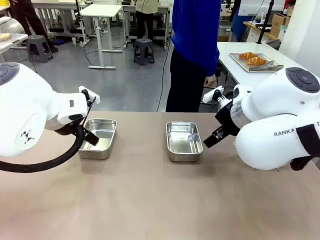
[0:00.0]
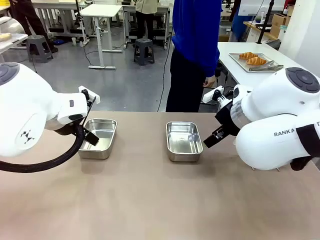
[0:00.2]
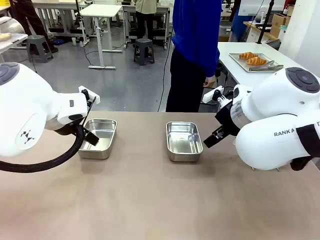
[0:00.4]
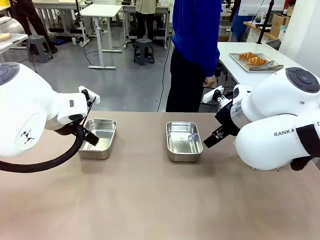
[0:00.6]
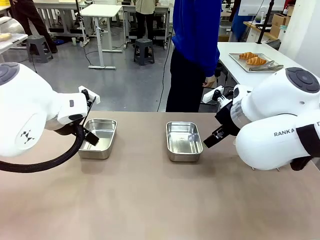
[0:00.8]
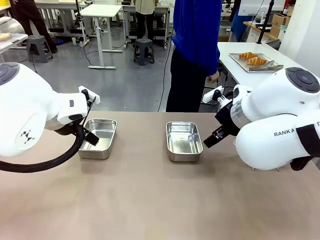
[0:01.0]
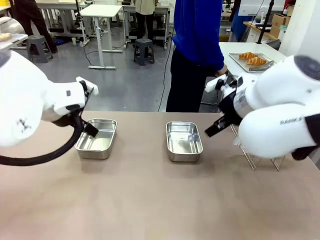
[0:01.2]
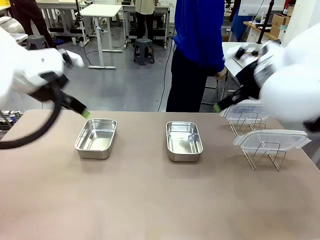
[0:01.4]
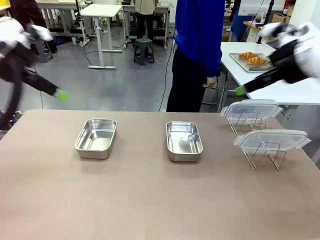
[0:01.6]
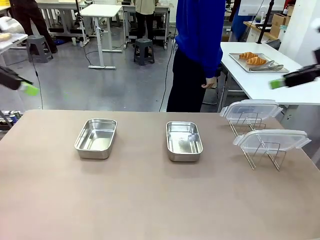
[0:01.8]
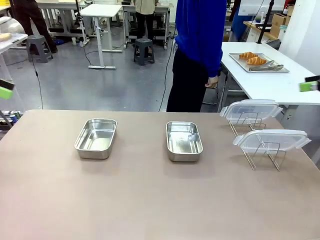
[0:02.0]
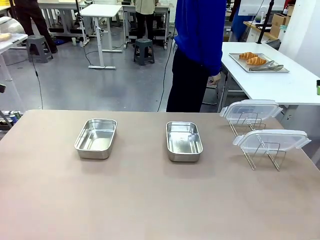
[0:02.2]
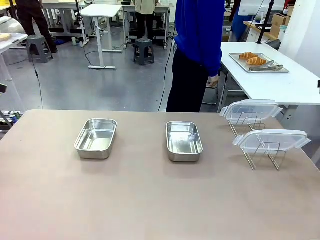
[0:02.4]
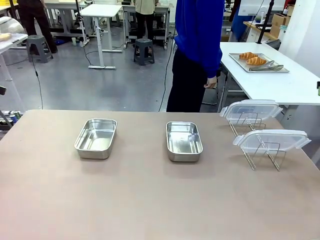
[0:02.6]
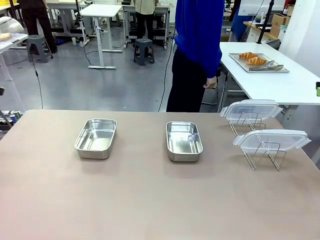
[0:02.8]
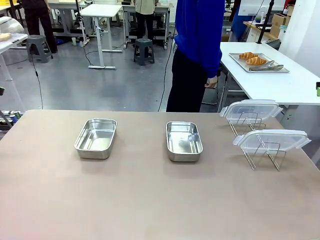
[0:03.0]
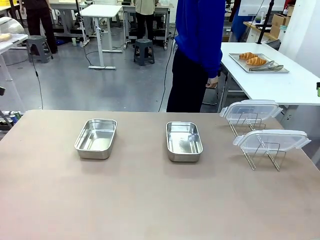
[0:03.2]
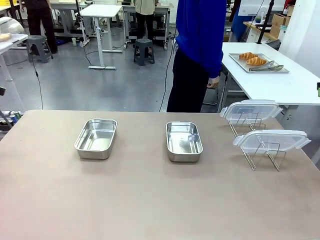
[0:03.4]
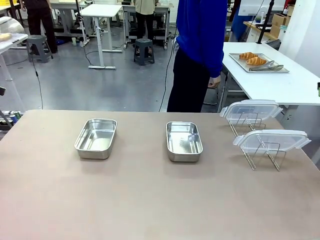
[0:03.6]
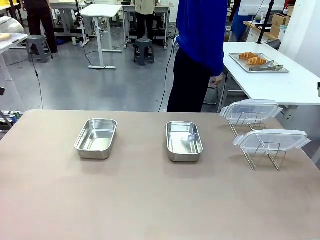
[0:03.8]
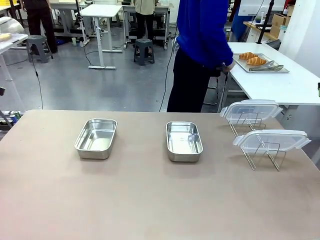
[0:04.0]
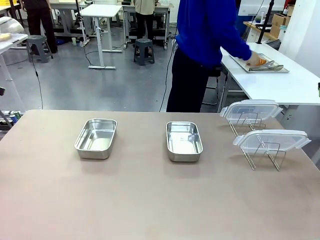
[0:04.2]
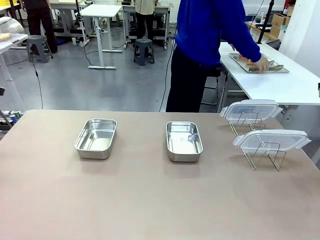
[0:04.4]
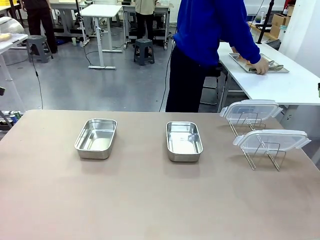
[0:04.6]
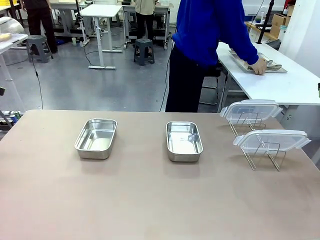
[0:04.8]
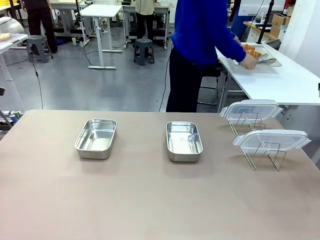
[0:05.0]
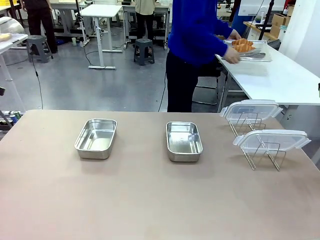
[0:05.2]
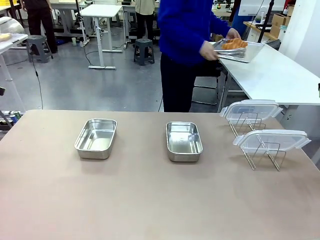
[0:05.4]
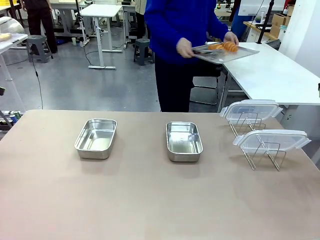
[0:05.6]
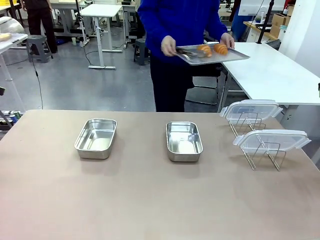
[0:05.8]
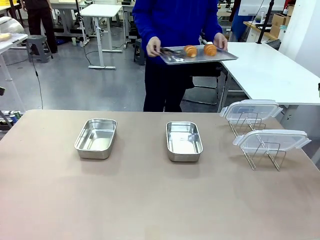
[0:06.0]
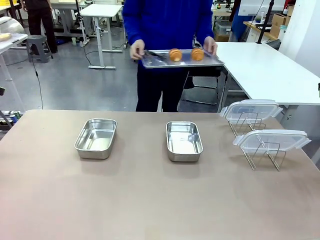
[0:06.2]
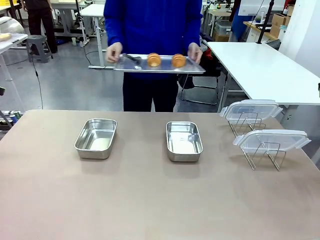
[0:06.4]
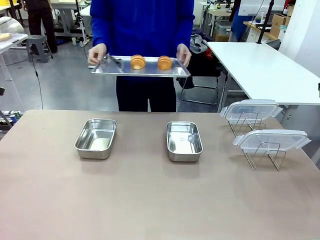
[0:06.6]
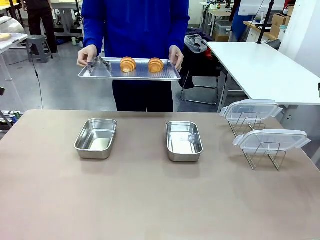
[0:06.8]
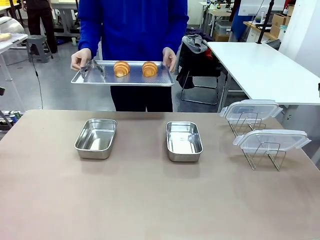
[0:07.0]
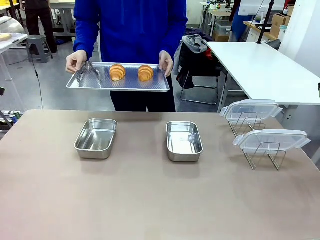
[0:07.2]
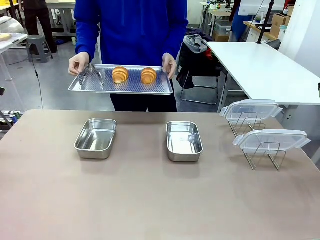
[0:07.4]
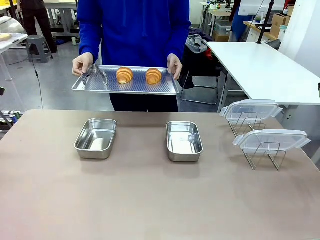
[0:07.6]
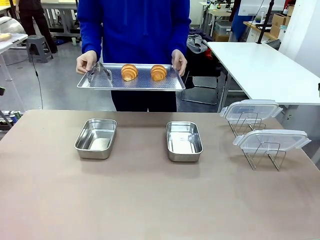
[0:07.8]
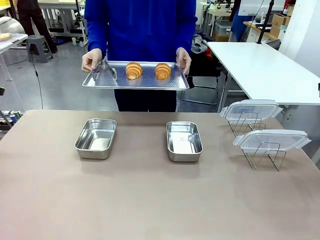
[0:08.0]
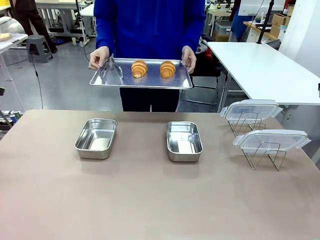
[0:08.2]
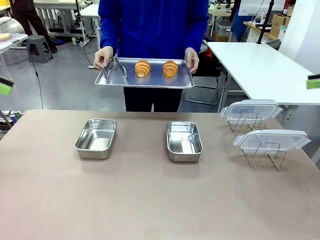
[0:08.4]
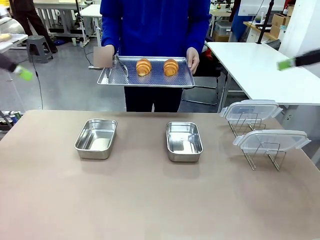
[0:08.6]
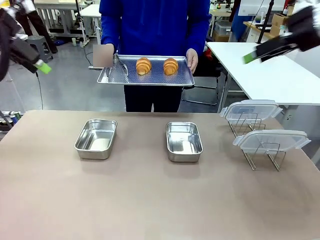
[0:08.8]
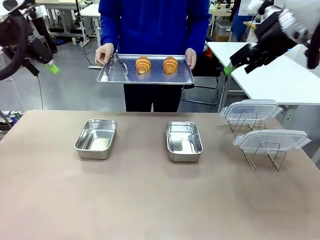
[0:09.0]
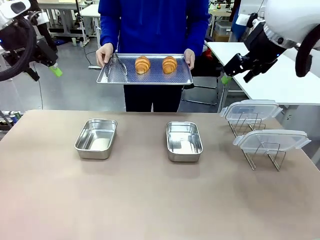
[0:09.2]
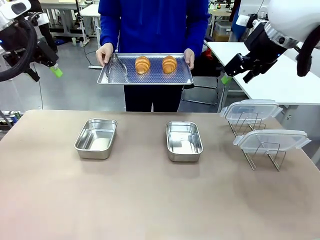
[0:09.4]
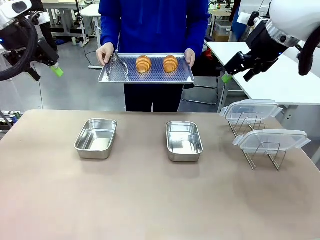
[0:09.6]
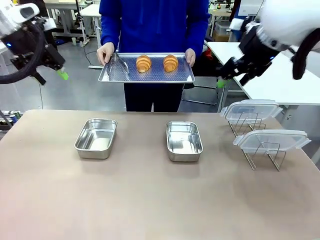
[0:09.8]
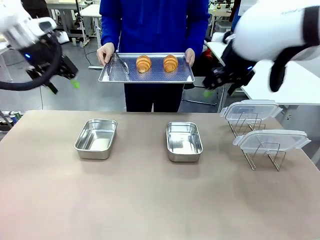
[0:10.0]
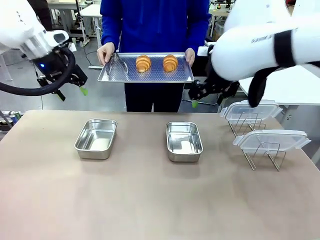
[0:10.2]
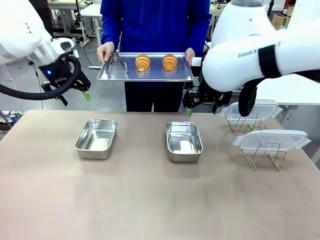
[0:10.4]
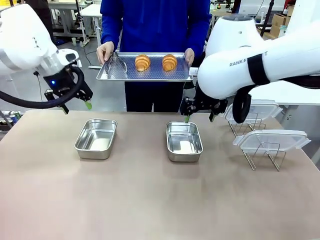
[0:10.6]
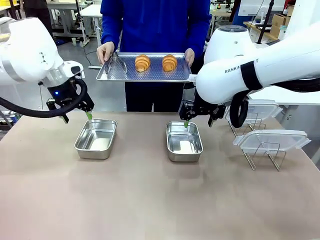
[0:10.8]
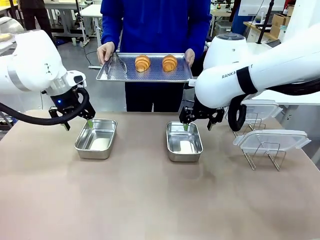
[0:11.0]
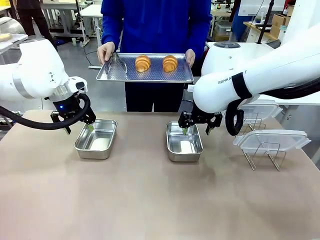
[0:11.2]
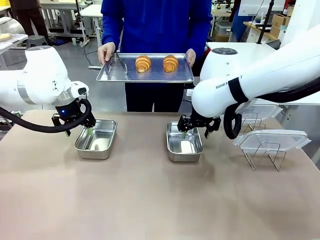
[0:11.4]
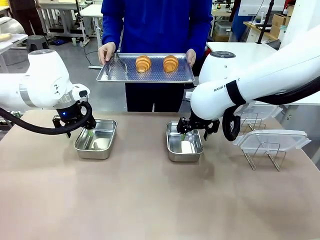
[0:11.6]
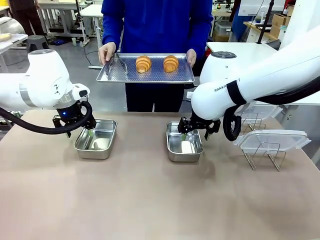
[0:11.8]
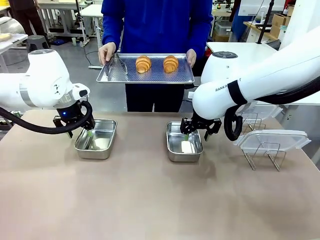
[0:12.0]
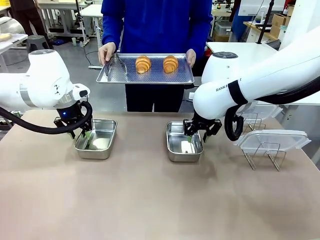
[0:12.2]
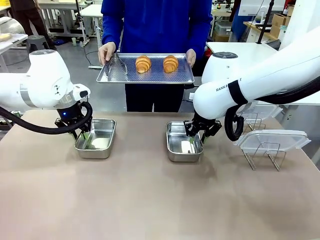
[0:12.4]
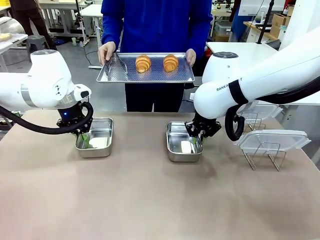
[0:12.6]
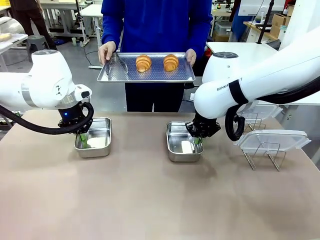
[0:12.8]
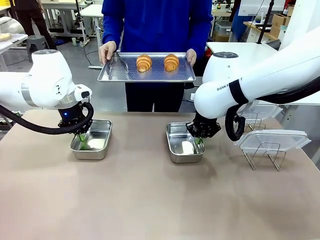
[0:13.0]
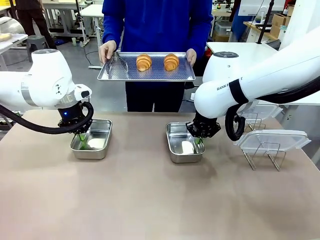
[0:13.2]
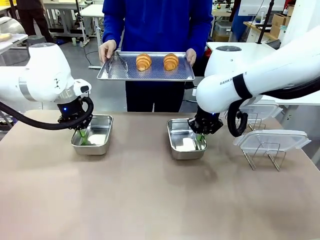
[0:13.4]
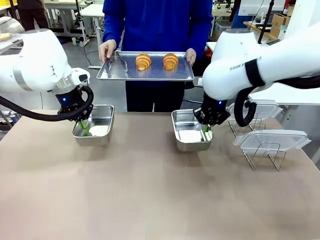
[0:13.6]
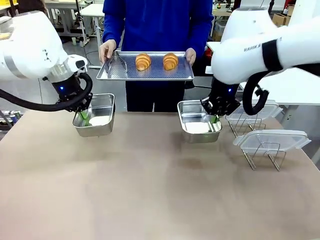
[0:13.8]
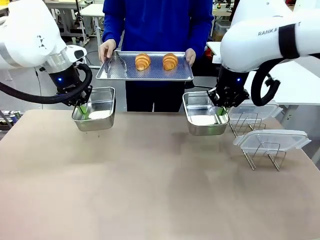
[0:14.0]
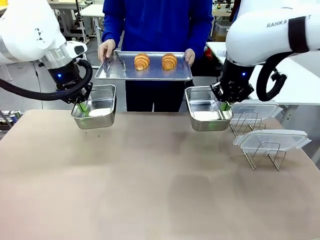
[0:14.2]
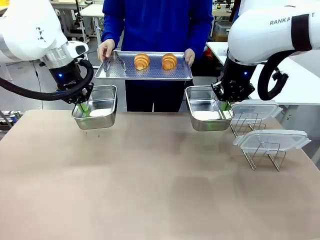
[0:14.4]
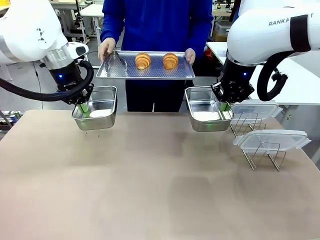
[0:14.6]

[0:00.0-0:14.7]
Task: Place the bread in airtight containers.
Robot: Lift both Airtight Container.
Person: Bring the Baking Sheet in front of Robot's Table.
